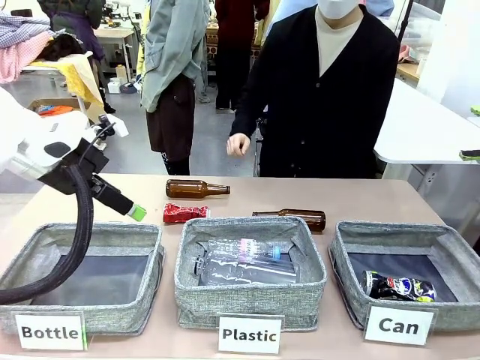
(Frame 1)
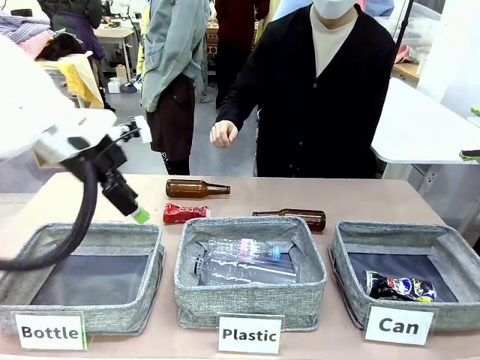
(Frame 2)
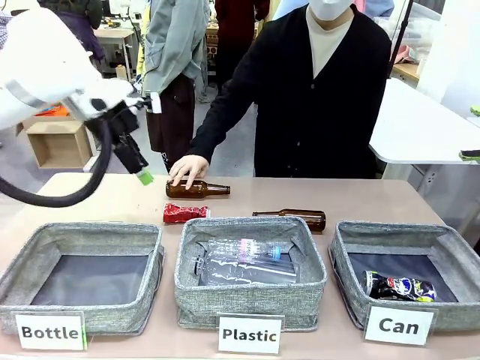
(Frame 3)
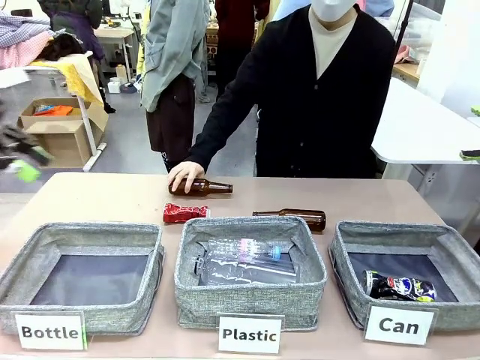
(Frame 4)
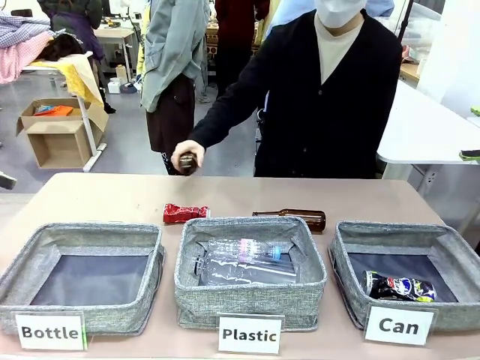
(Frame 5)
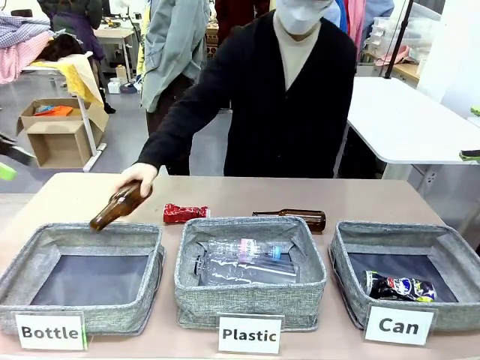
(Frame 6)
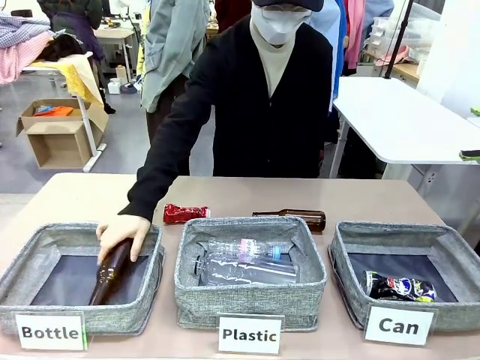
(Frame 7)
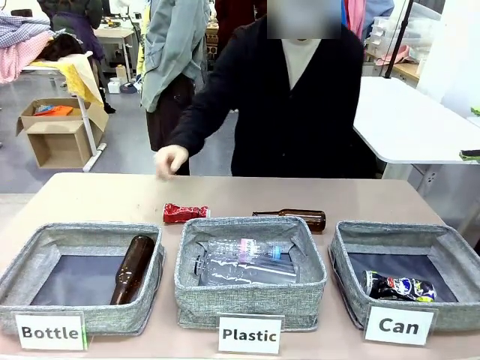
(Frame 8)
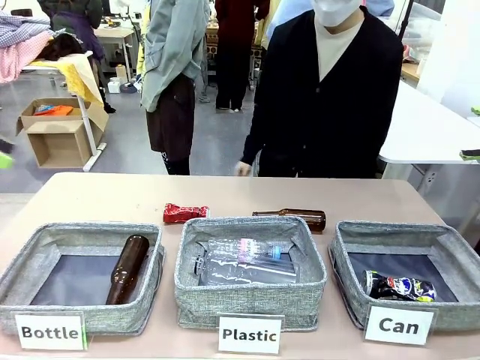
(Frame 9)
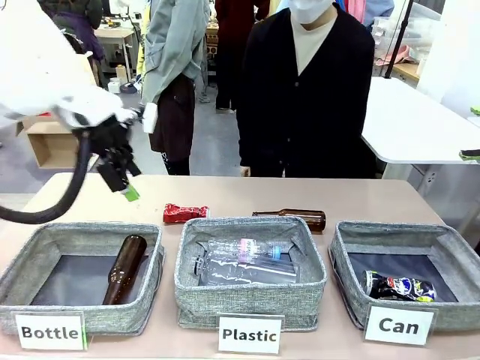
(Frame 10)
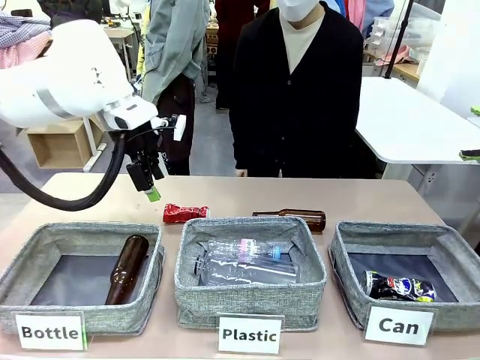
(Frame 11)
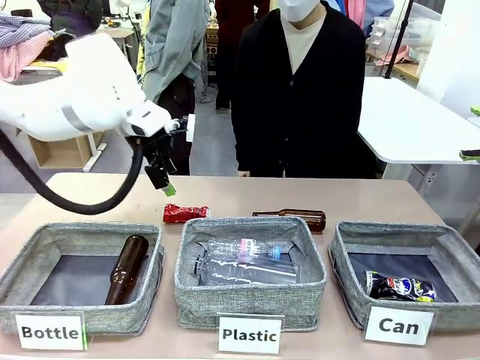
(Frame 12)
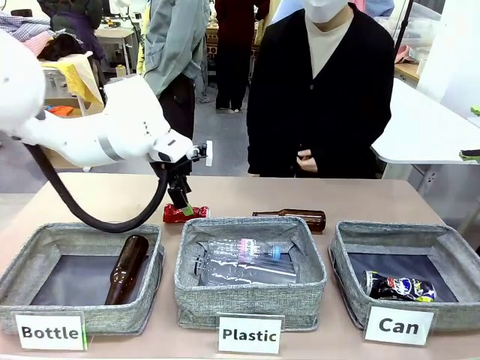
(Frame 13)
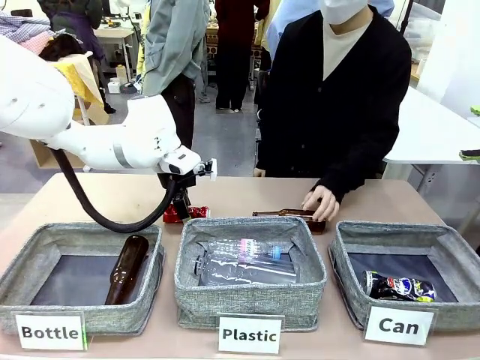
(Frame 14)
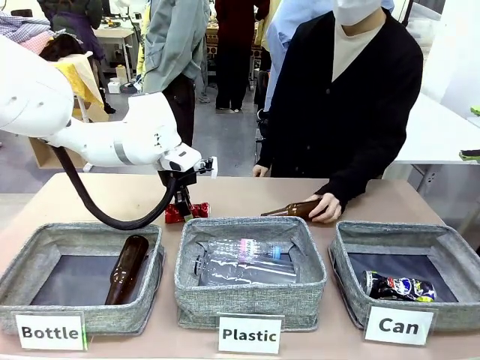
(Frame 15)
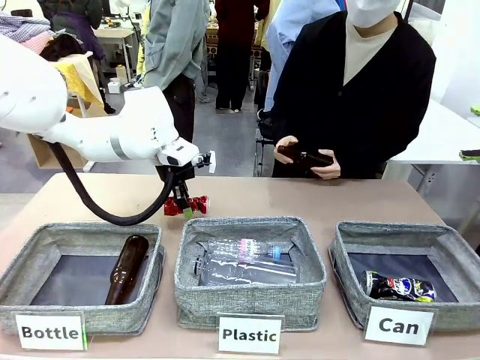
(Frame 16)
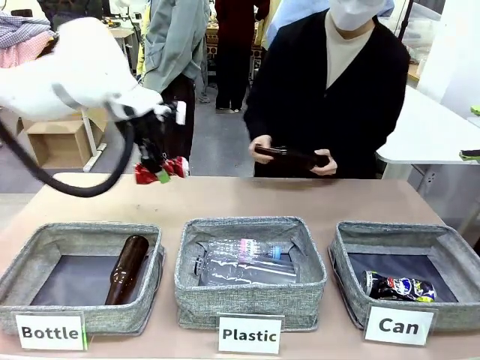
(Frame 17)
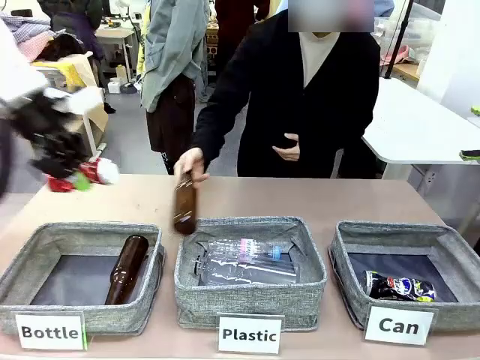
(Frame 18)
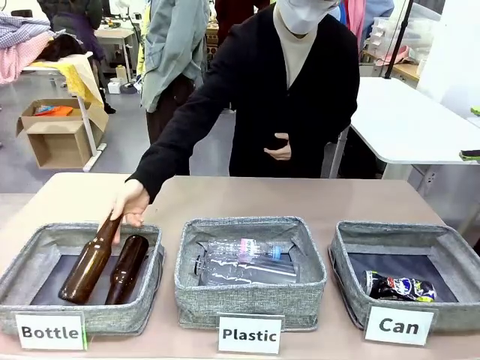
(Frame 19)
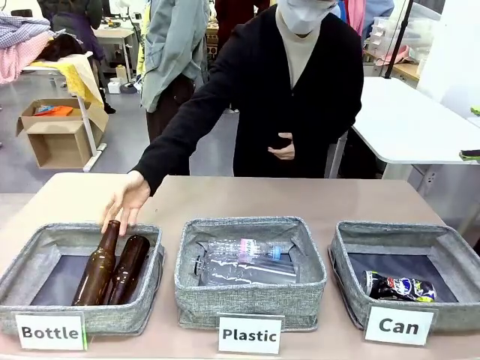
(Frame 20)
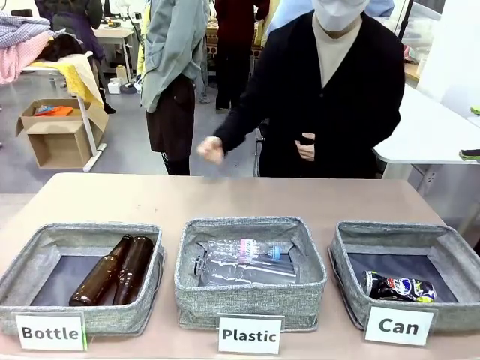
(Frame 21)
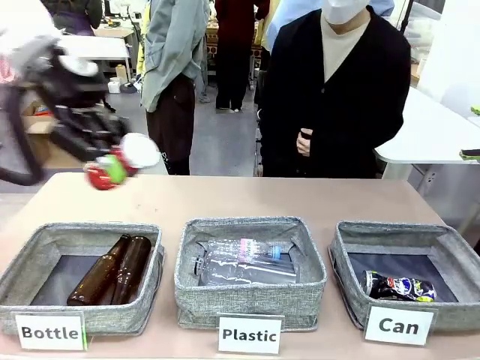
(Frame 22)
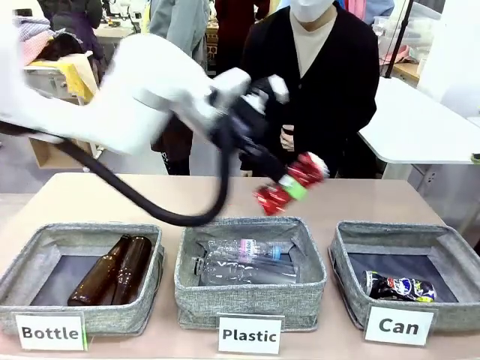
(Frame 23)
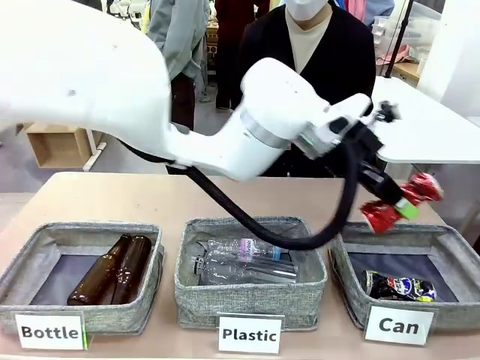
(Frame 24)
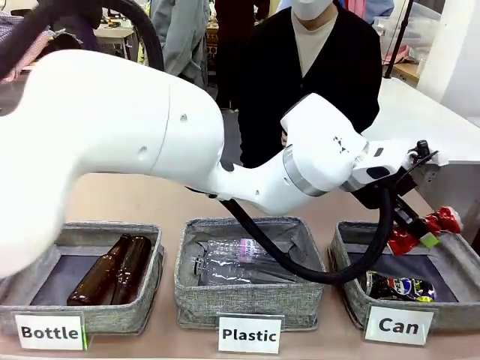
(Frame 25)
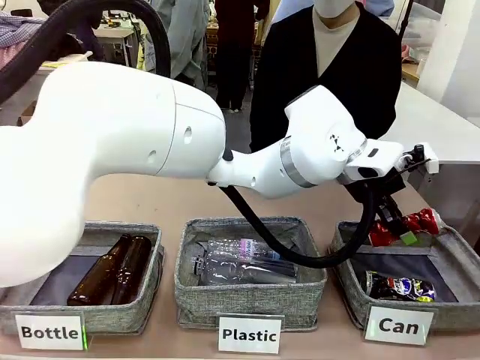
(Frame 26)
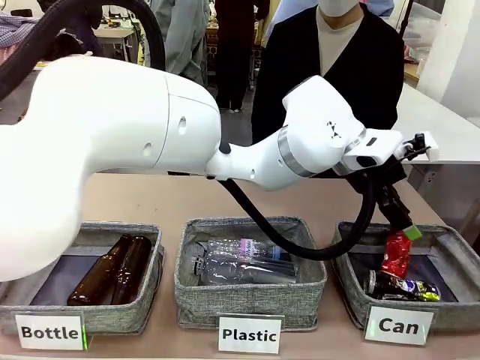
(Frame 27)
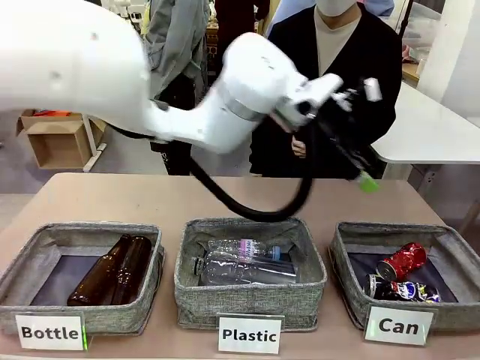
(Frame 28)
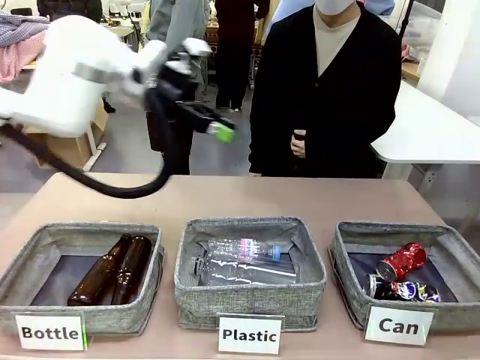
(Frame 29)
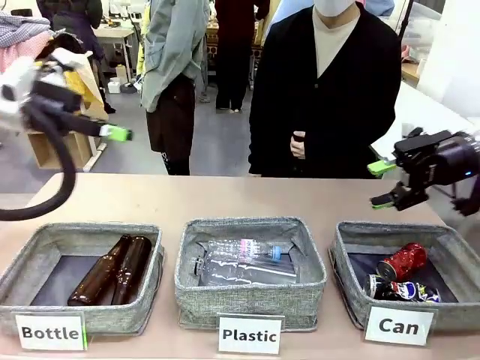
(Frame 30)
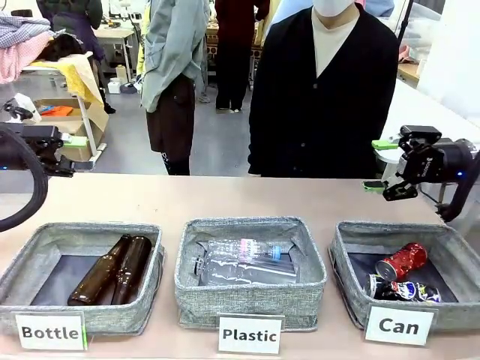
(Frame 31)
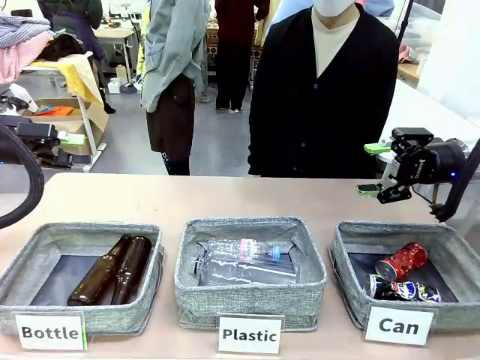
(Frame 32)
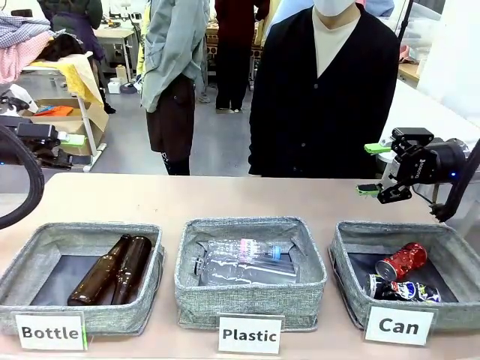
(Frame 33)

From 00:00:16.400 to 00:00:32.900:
Task: Sort the can waste into the basket.
Robot: Pick up the can waste from the table and place it in the right Fabric basket.
Person: The human picks up one piece of trash that is not a can and places the trash into the appropriate organizing basket.
